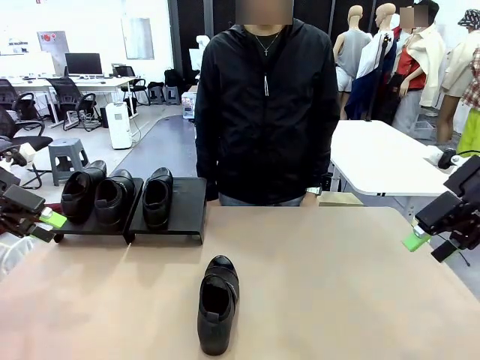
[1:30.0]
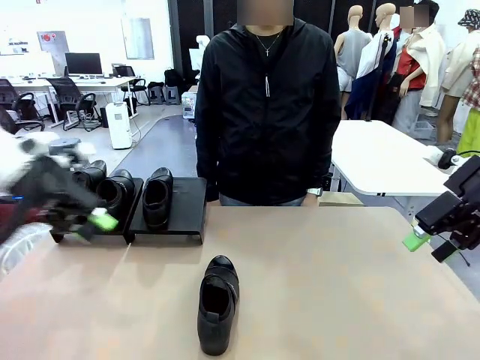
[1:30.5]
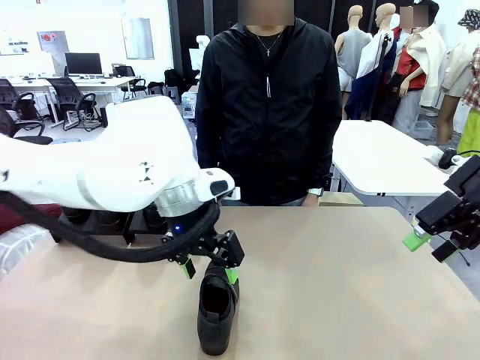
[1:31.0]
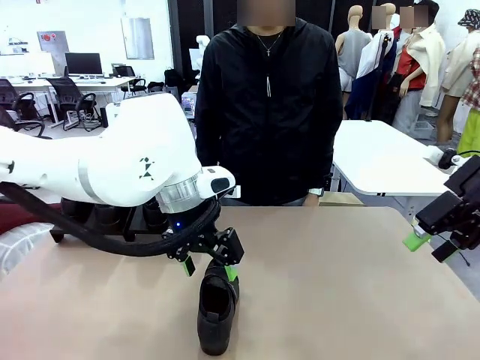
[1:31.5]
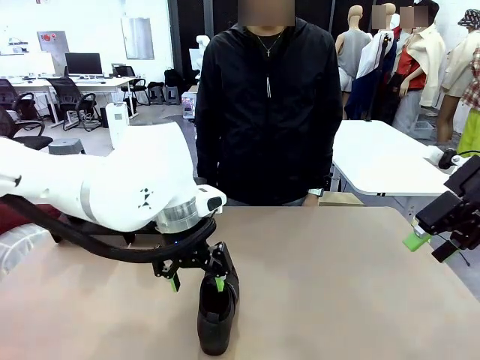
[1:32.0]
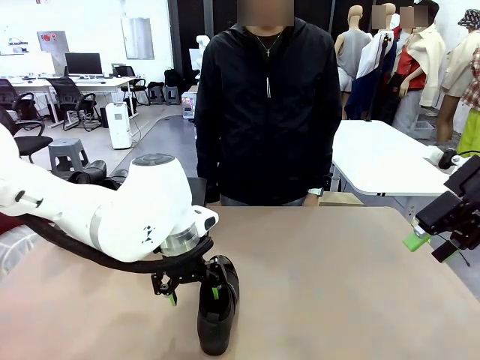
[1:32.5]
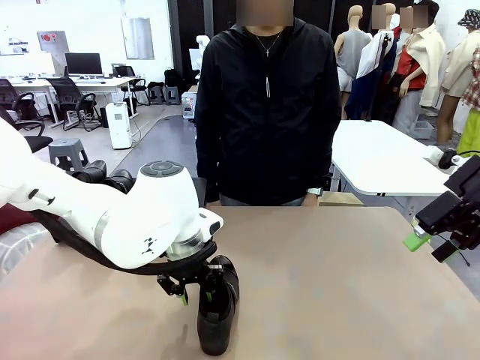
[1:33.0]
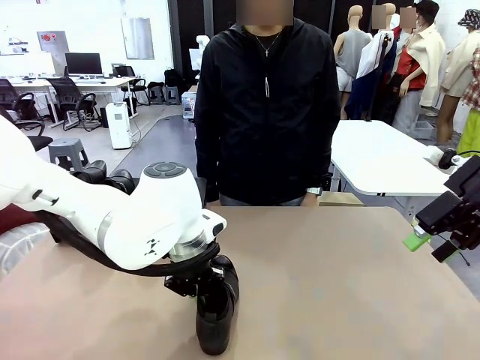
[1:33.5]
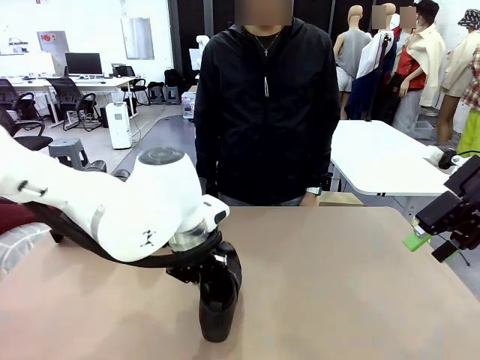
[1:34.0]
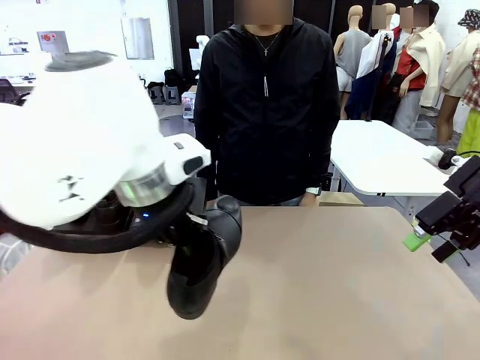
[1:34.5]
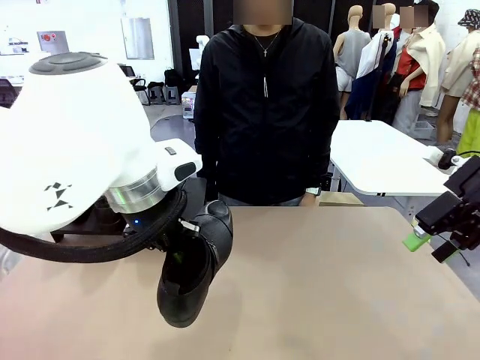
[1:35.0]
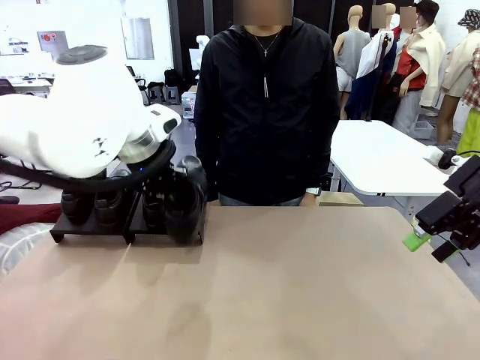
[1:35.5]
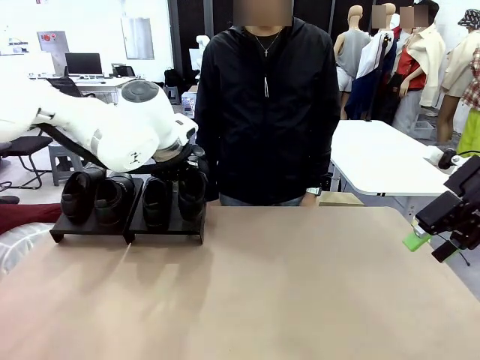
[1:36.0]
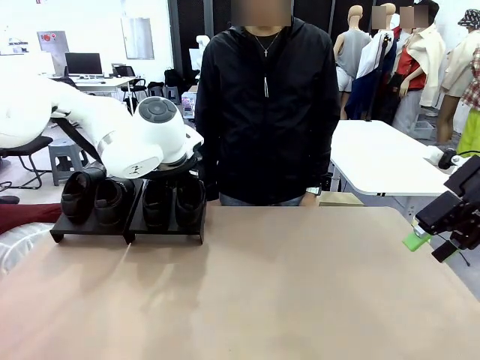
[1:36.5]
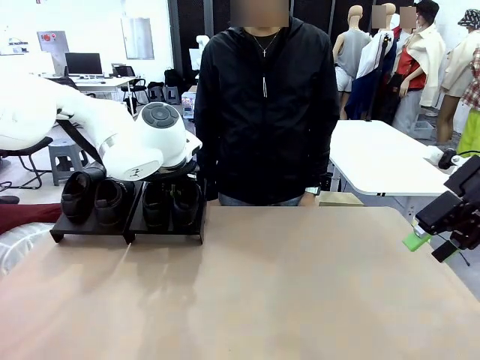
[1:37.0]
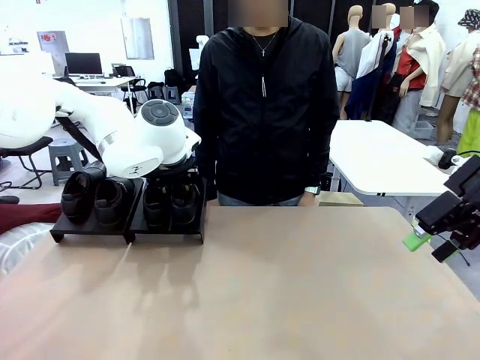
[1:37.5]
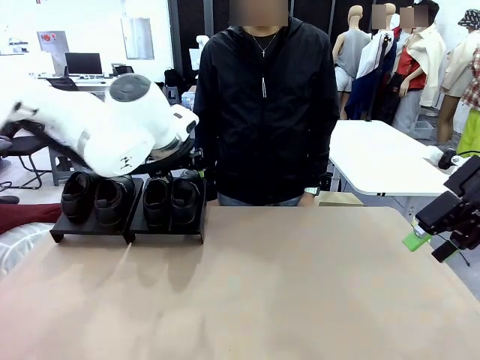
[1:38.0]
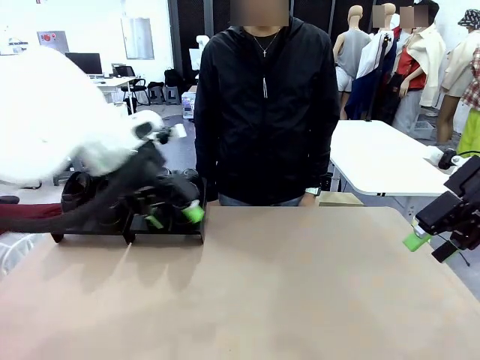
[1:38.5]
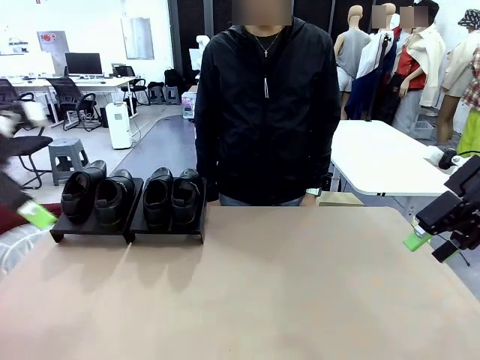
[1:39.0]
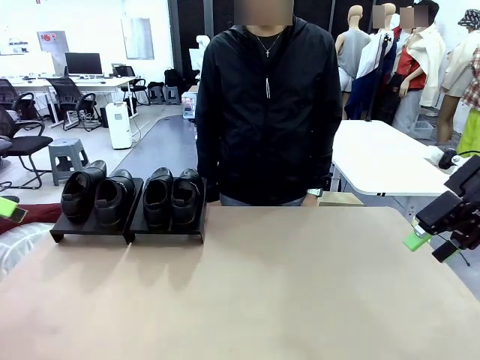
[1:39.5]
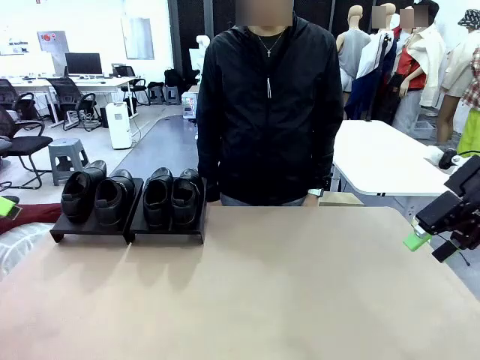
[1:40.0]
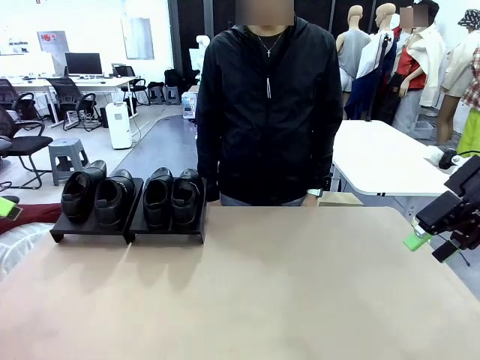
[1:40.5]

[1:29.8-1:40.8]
Task: Organize the shoes by placing them on the stand.
Robot: Place the Shoe from the middle of the table onto the Shoes Stand.

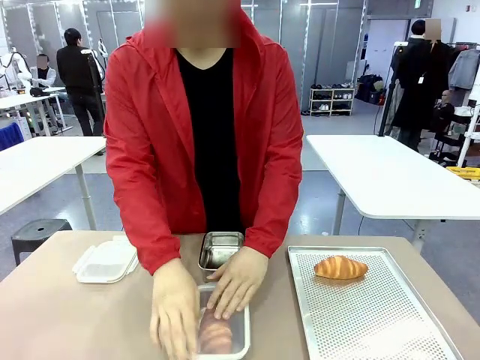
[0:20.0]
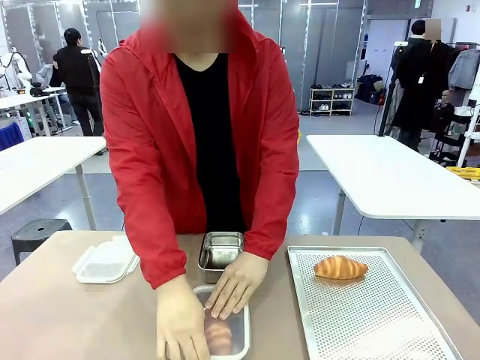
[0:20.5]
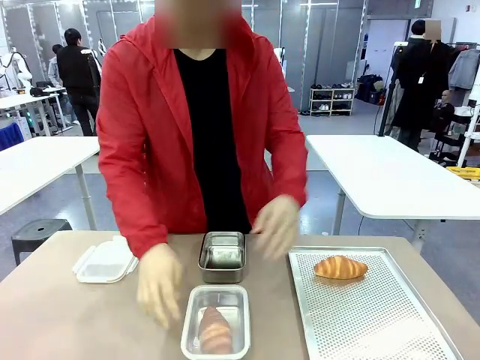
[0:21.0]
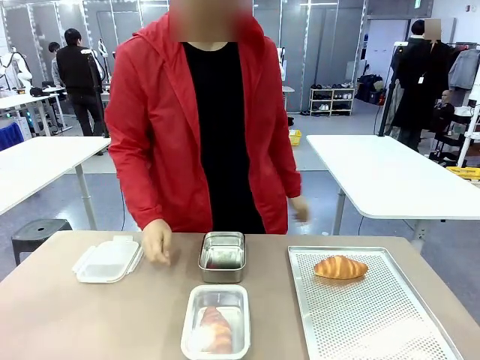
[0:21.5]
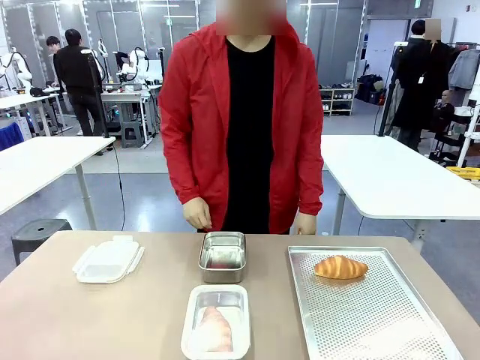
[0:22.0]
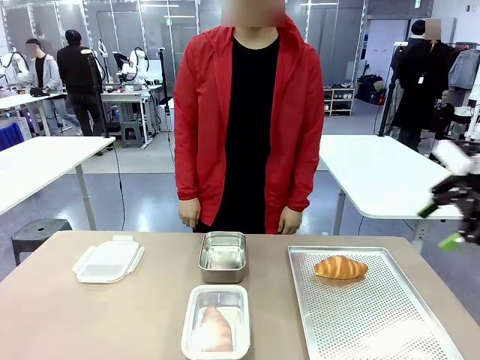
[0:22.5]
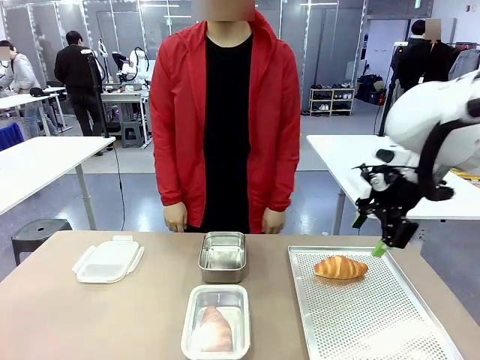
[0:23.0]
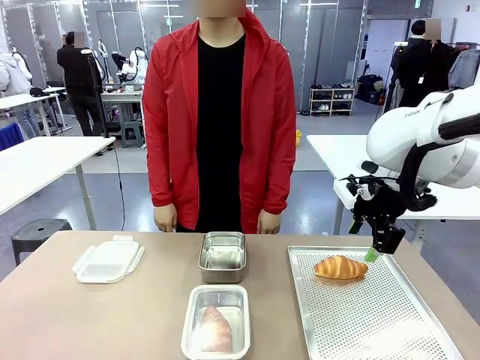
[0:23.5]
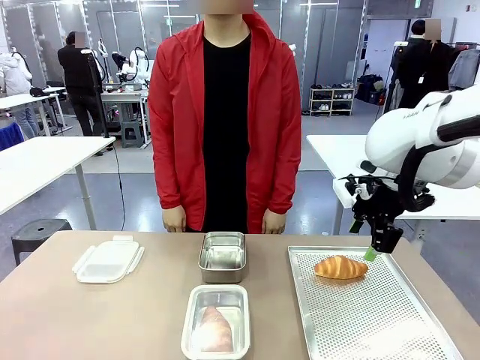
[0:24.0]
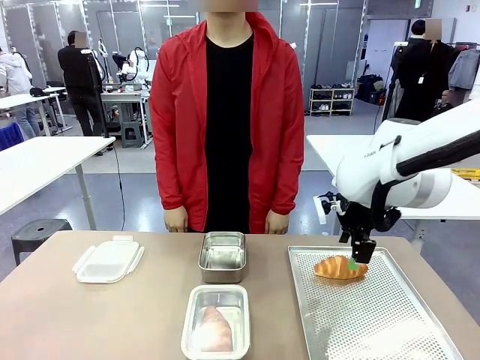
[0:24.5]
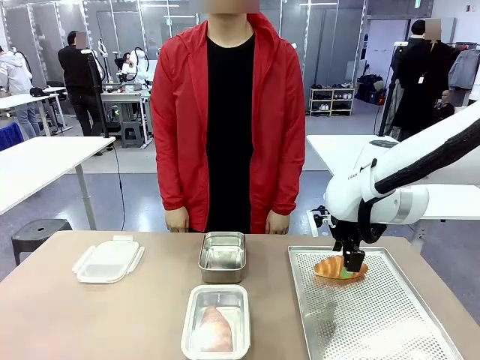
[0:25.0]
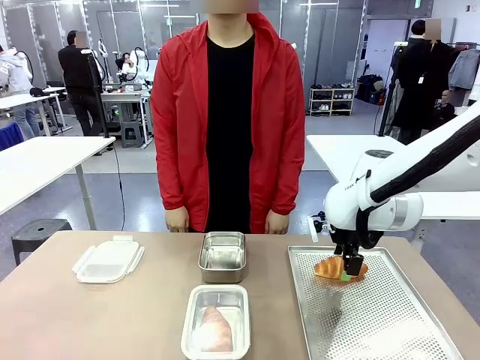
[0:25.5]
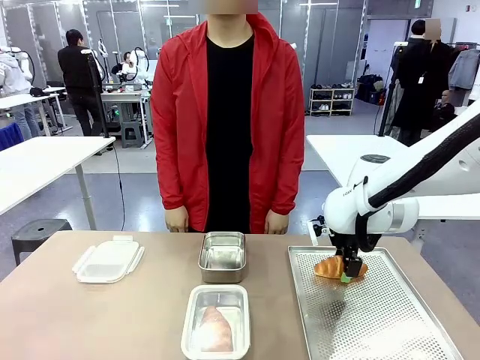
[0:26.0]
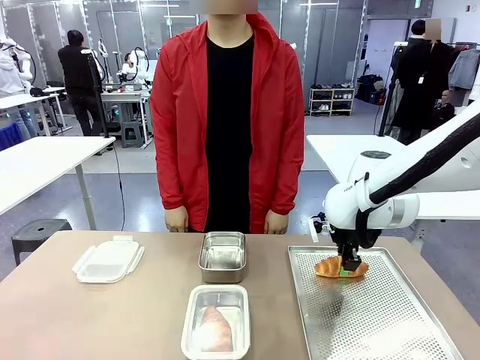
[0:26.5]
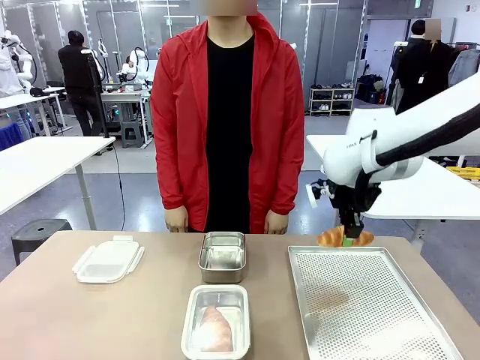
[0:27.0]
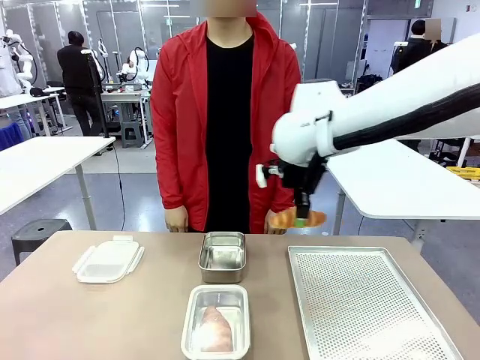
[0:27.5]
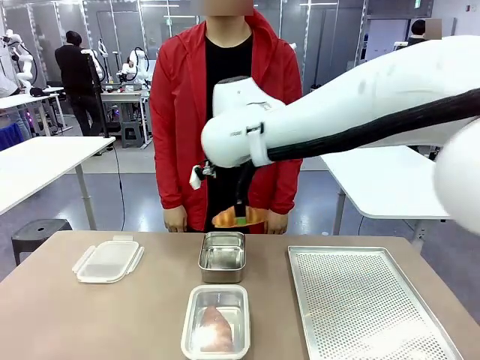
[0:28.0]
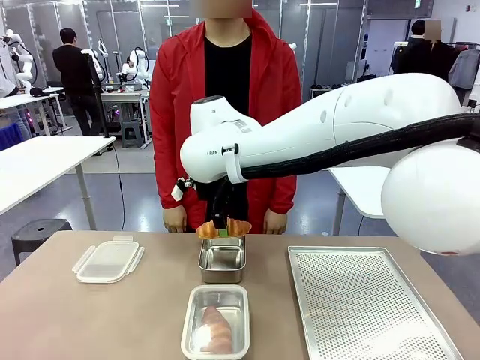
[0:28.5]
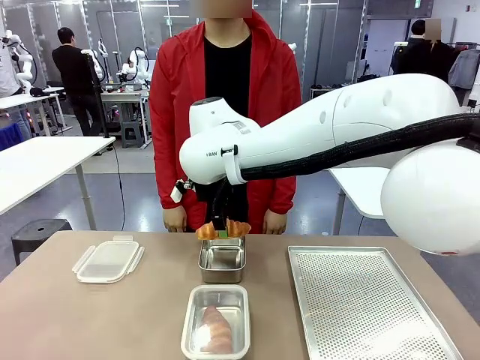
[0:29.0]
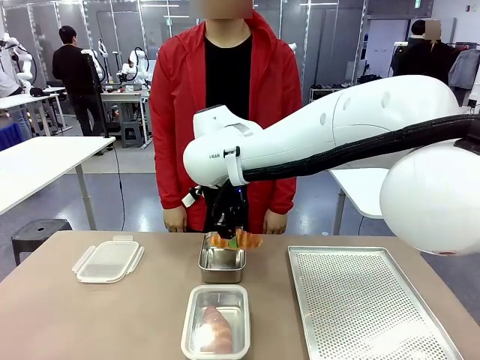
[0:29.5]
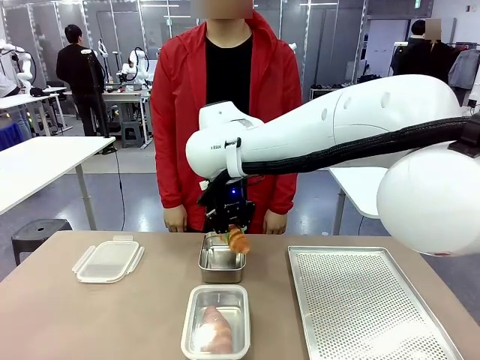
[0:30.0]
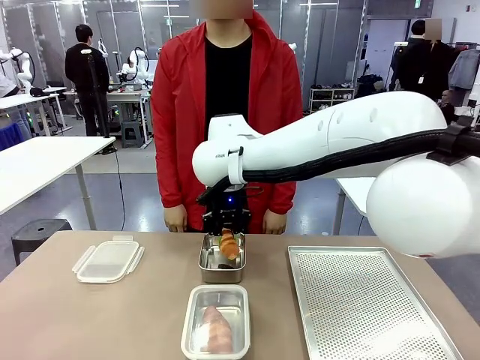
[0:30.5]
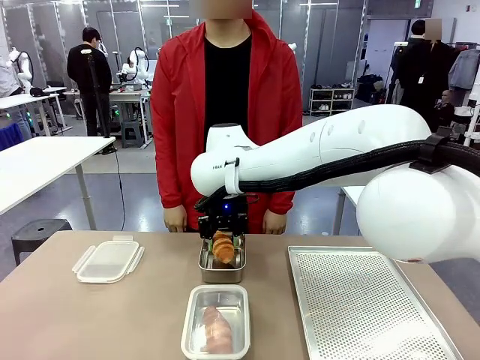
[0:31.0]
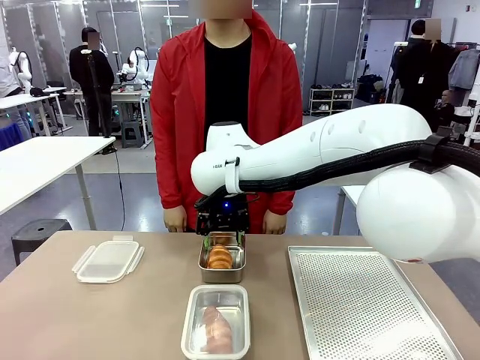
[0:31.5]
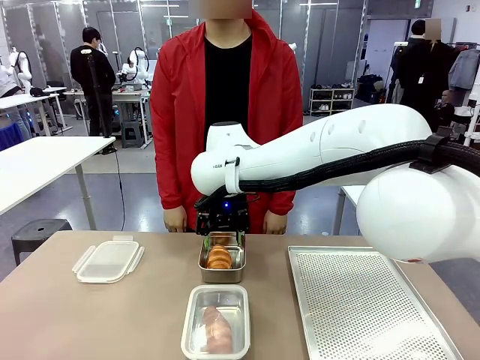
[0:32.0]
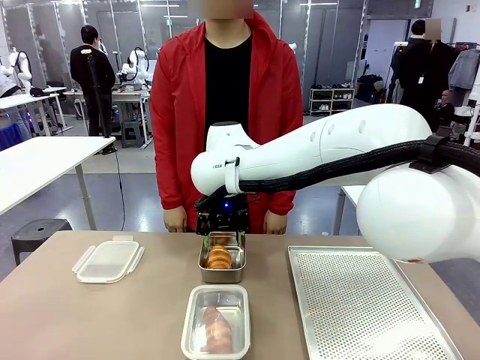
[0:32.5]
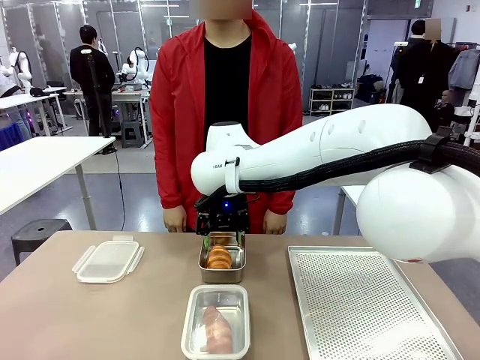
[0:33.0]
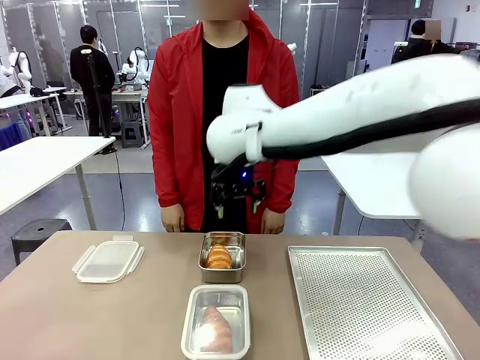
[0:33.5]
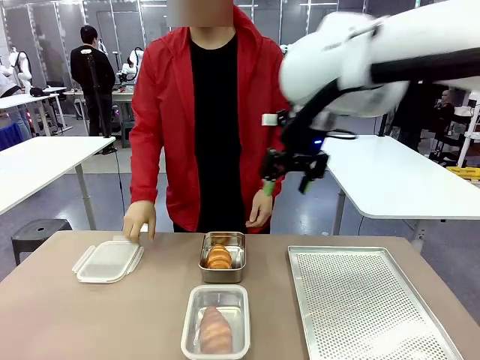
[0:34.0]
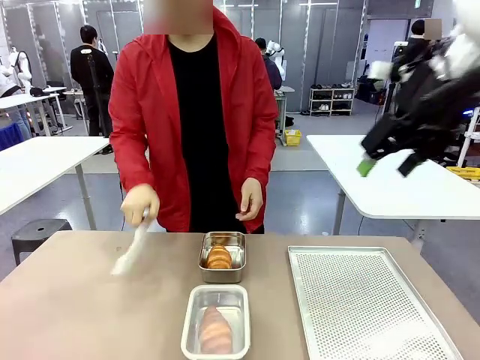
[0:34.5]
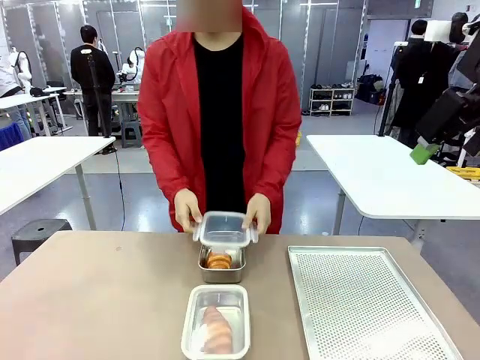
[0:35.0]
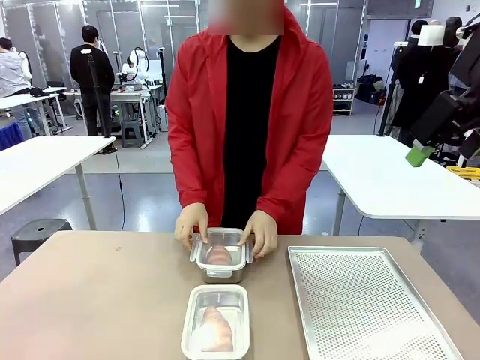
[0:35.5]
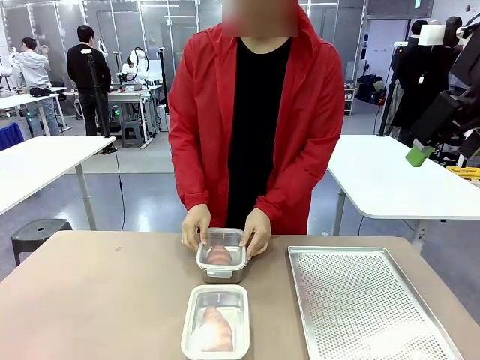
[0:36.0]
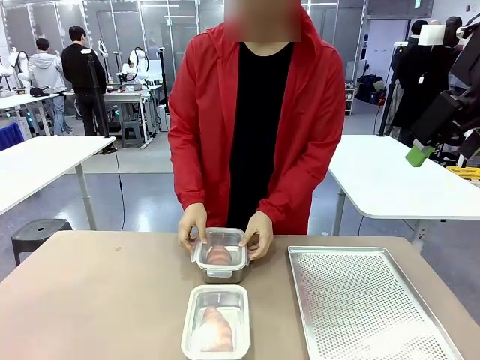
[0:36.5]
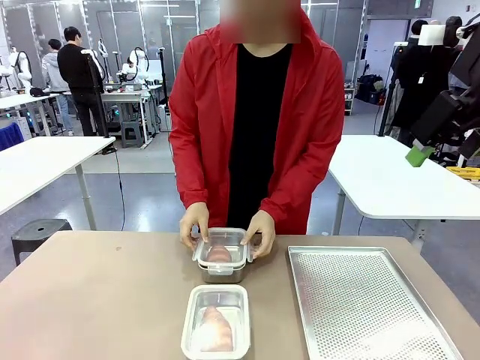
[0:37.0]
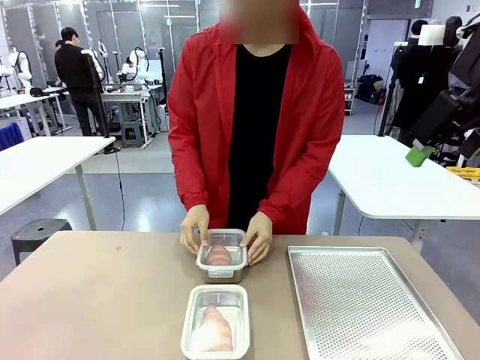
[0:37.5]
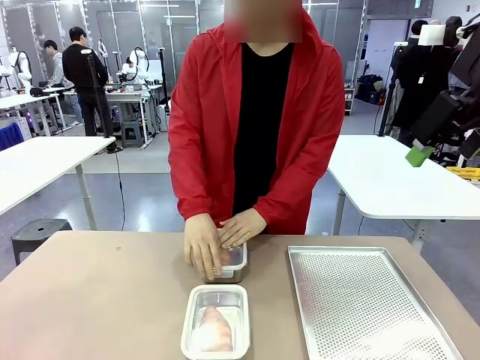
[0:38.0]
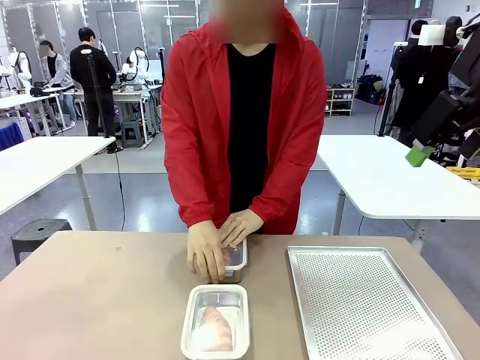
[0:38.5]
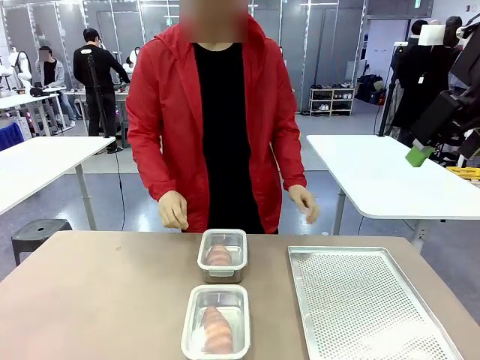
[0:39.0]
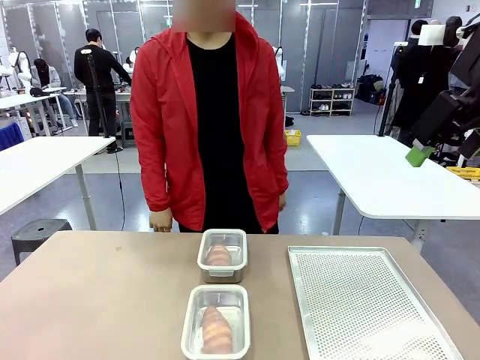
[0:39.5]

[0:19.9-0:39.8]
Task: Place the bread into the airtight container.
Robot: Pick up a Butter Roll and place it into an empty Airtight Container.
